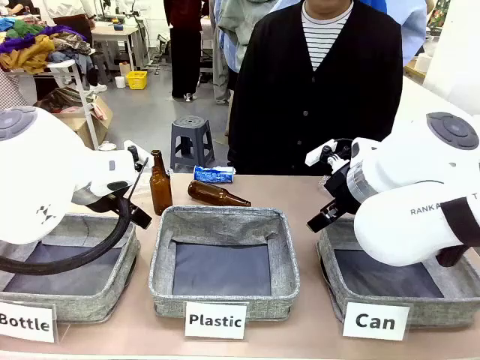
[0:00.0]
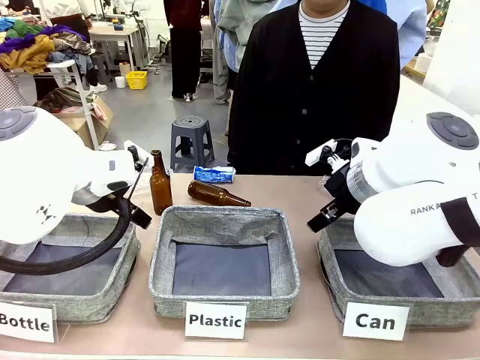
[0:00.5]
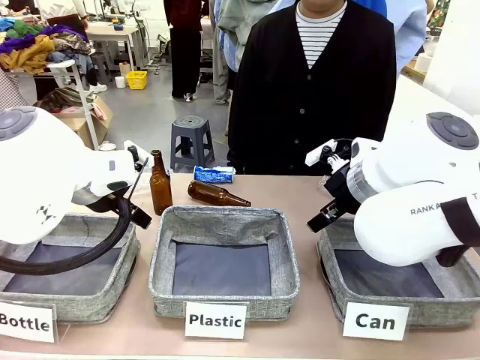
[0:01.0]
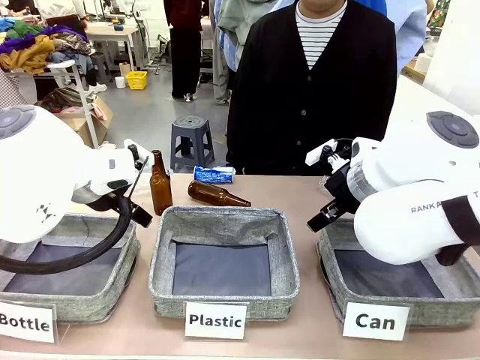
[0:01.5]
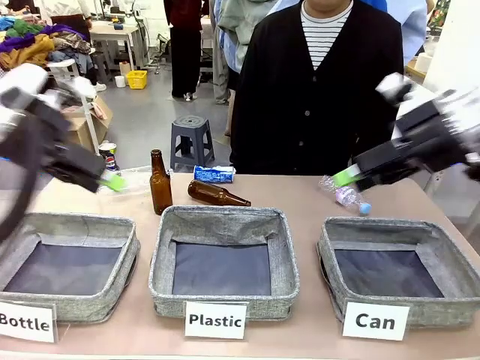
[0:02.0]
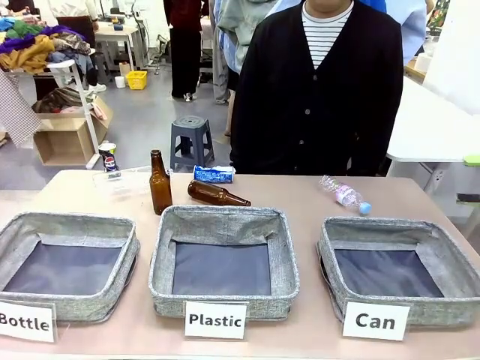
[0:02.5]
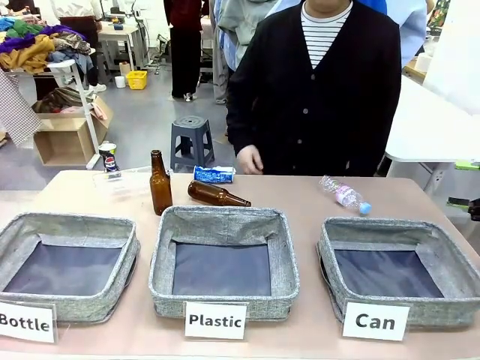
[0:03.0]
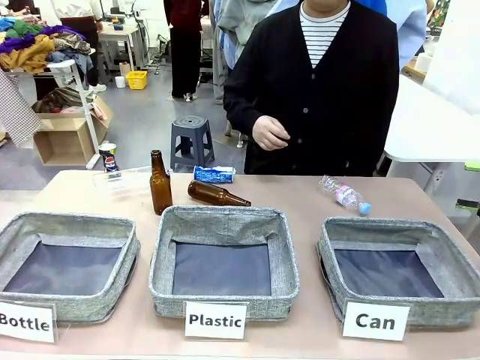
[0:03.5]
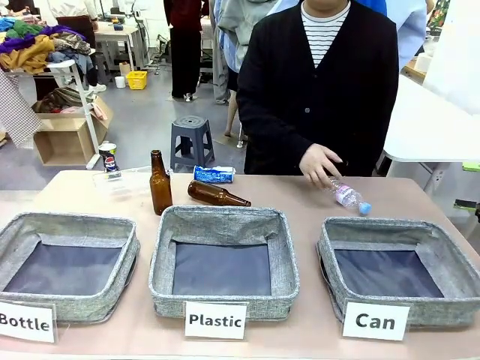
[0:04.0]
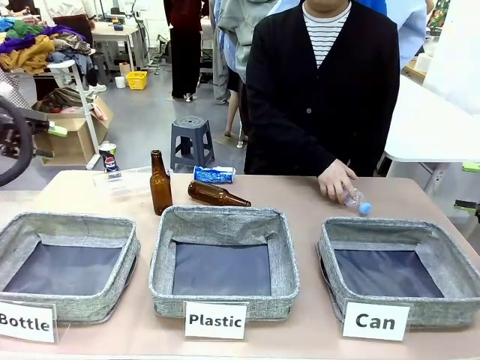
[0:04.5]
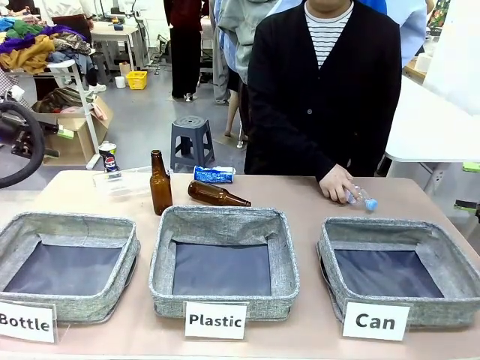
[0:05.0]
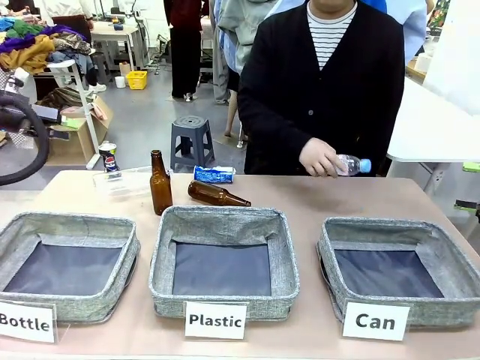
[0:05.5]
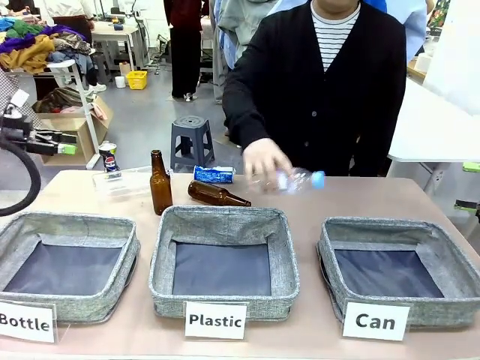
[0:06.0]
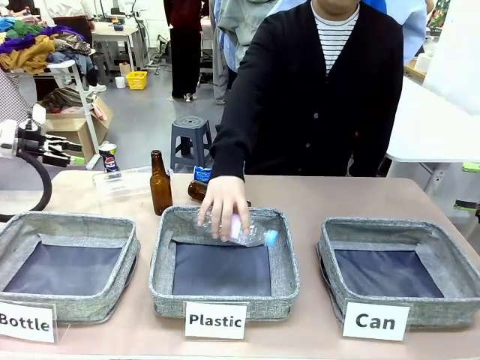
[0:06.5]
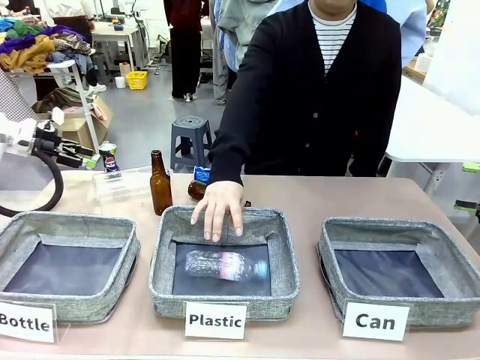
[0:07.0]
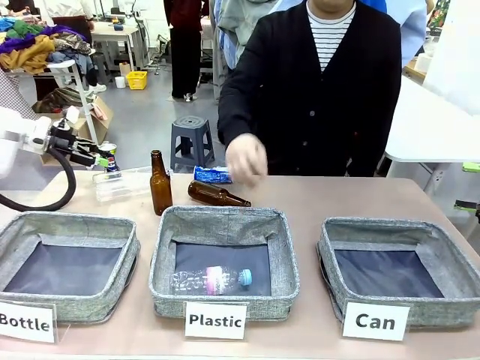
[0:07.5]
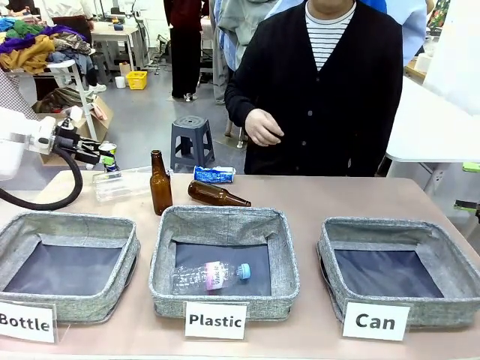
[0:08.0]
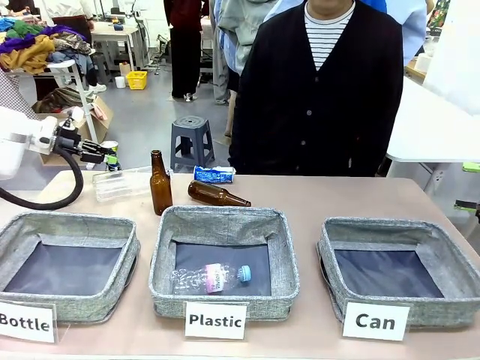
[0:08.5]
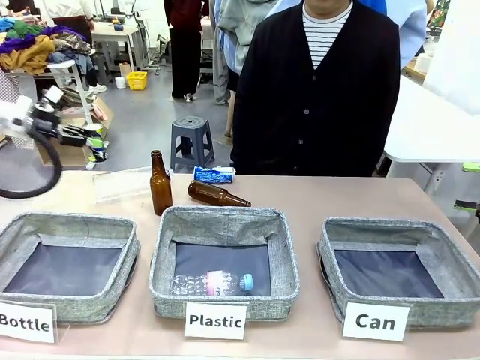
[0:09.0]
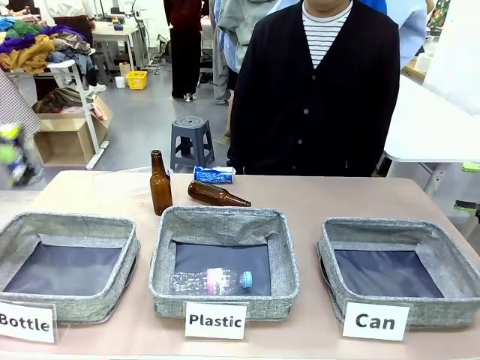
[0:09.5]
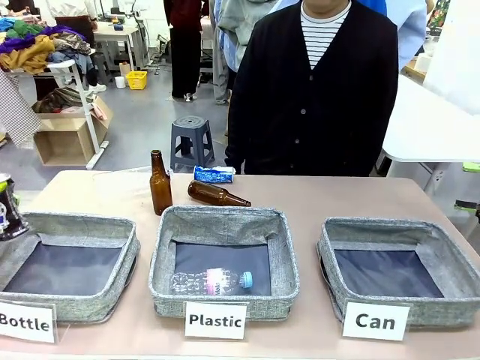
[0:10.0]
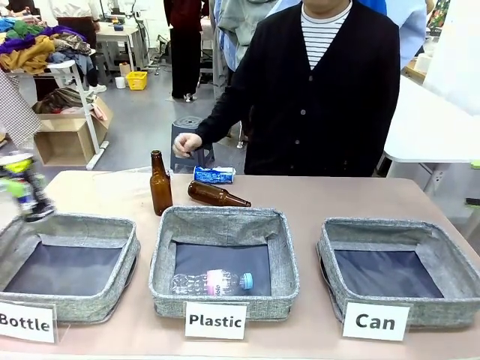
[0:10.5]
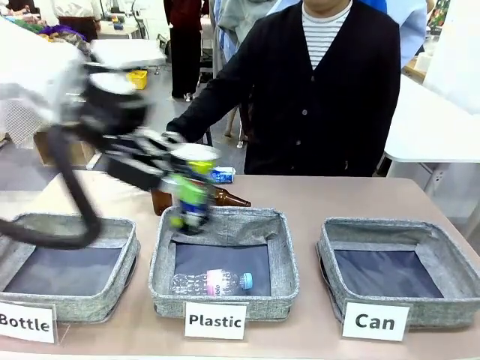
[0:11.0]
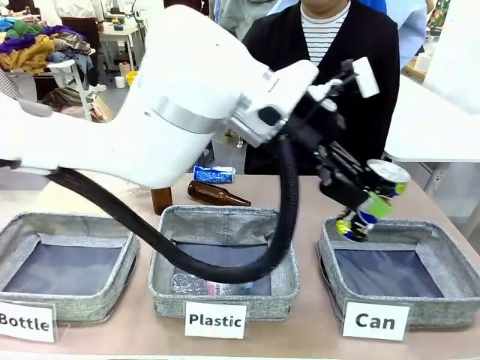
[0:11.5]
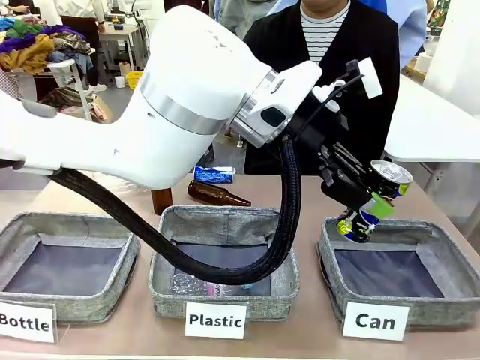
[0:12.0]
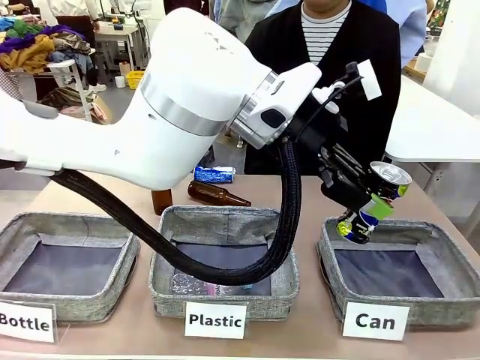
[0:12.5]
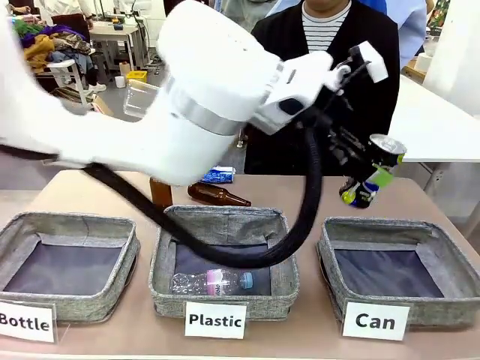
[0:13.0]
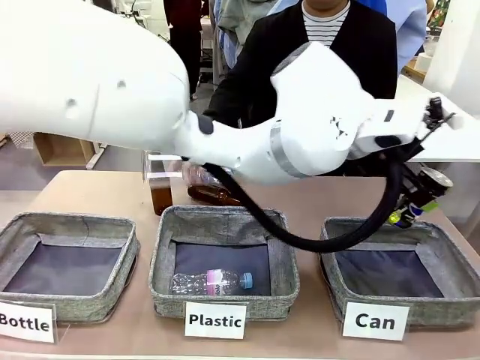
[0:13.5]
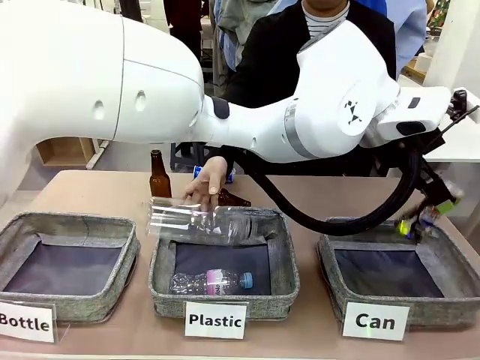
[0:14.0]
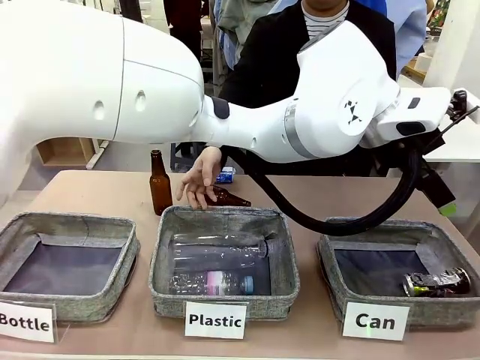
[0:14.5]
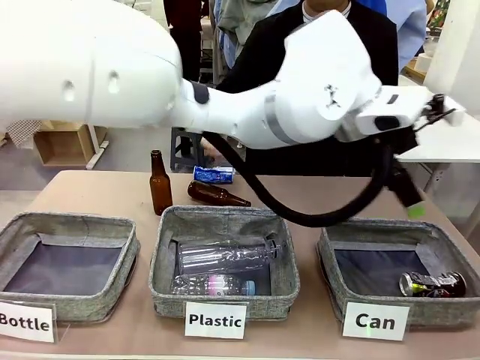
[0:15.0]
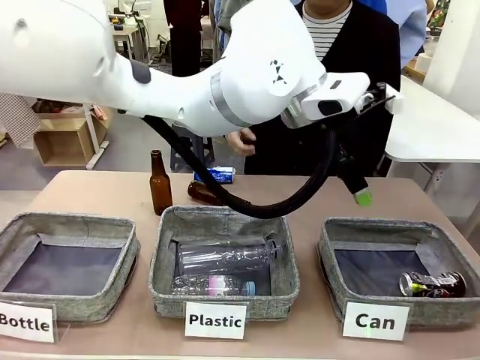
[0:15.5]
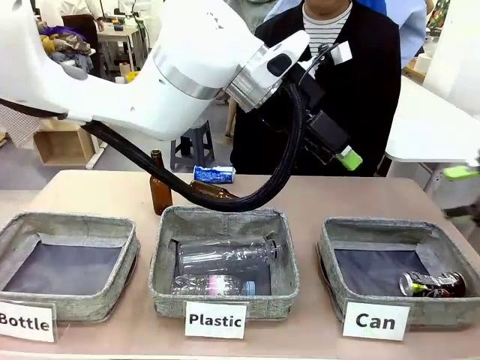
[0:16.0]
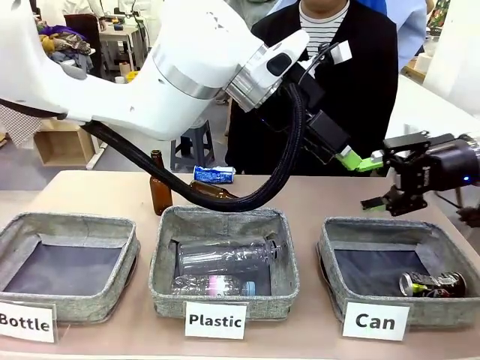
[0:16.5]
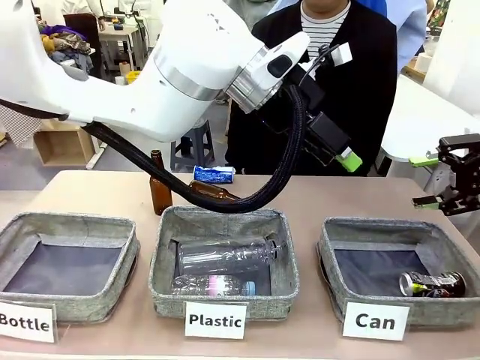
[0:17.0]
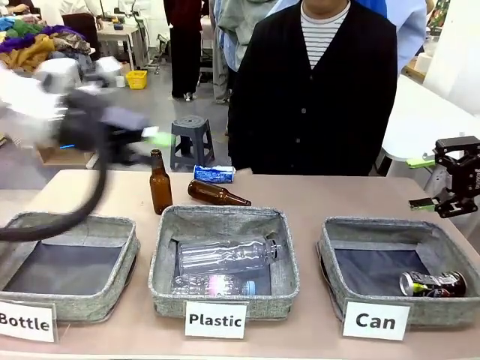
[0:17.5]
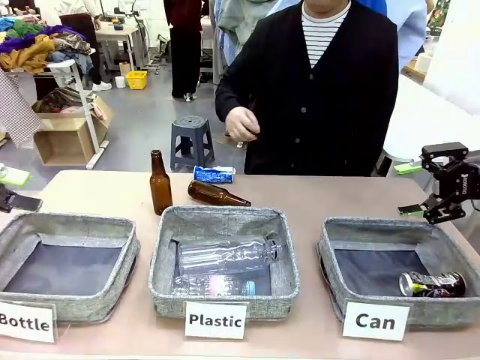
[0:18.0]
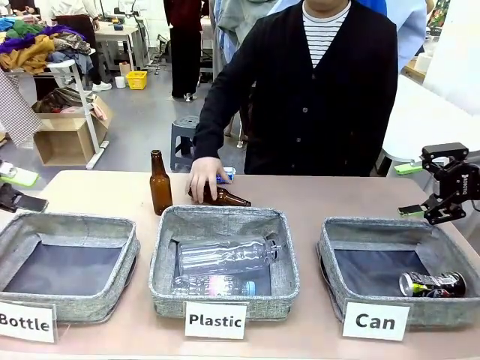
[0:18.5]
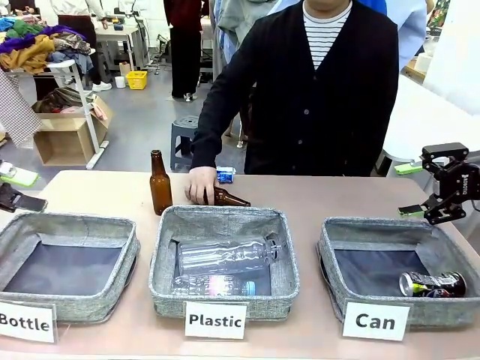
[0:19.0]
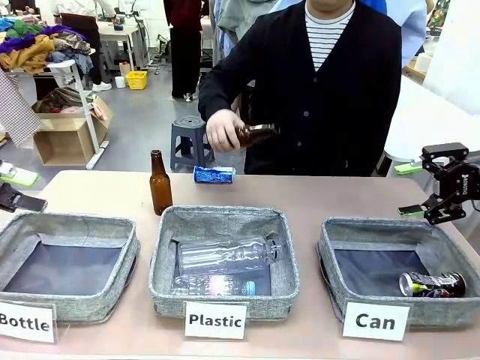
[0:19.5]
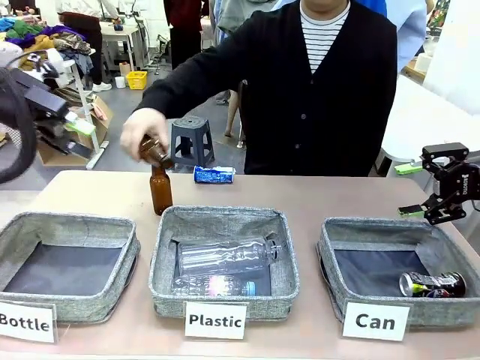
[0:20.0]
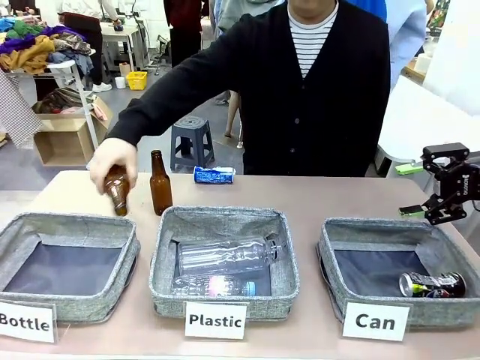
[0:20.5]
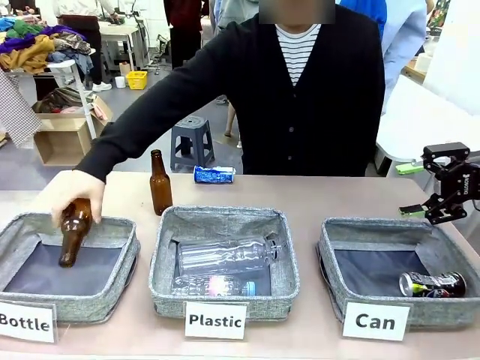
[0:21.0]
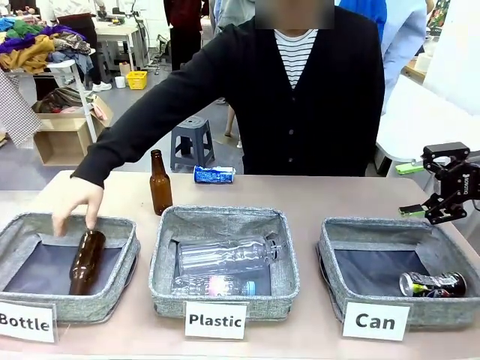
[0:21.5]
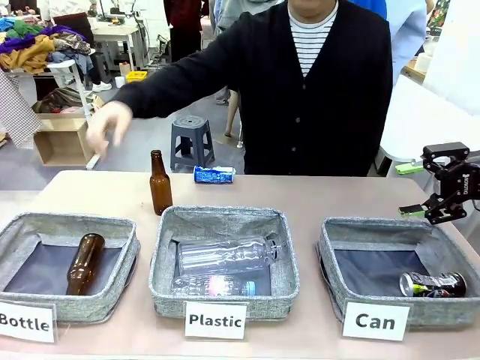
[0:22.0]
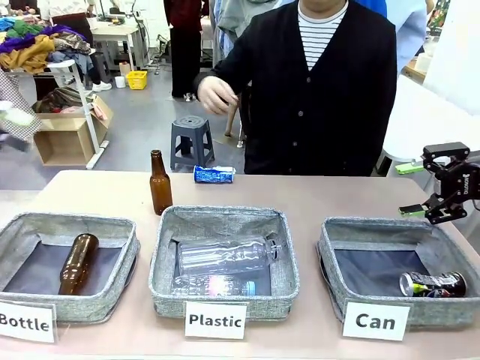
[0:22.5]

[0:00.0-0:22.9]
Task: Sort the can waste into the basket.
Robot: Pick up the can waste from the table and place it in the right Fabric basket.
